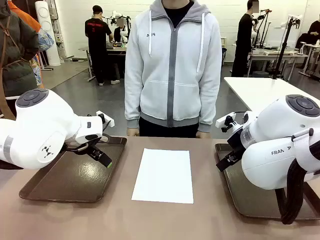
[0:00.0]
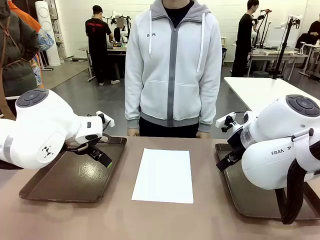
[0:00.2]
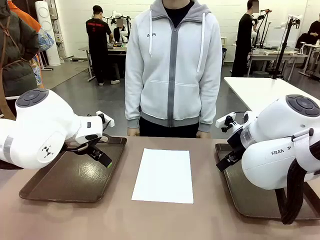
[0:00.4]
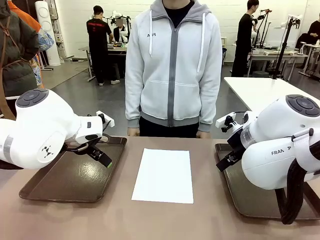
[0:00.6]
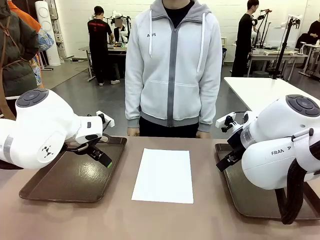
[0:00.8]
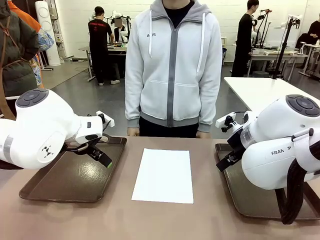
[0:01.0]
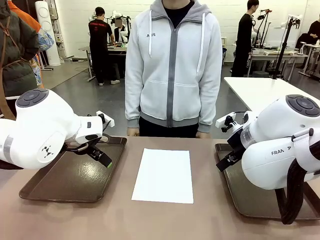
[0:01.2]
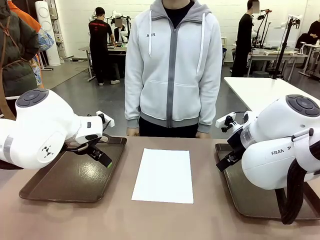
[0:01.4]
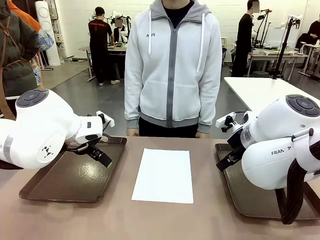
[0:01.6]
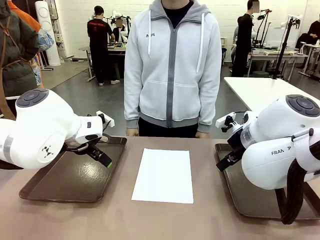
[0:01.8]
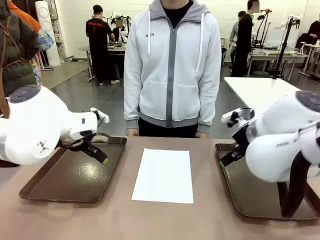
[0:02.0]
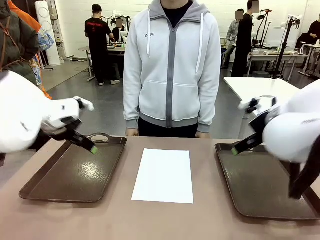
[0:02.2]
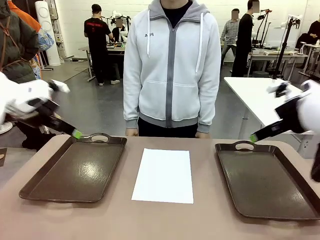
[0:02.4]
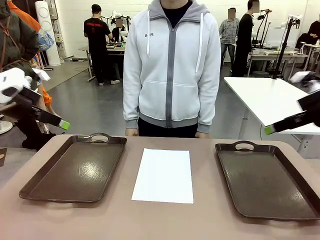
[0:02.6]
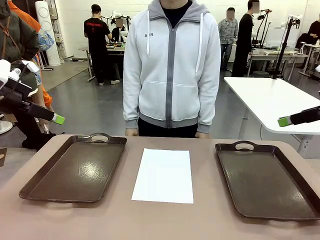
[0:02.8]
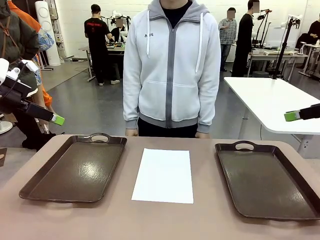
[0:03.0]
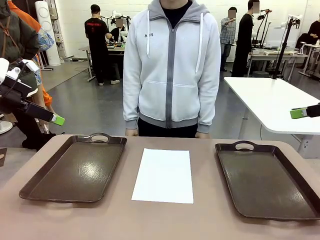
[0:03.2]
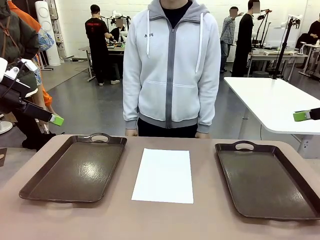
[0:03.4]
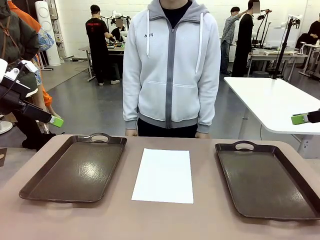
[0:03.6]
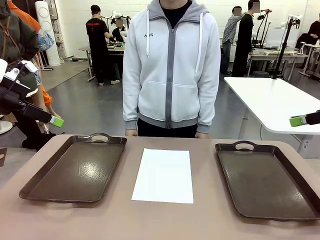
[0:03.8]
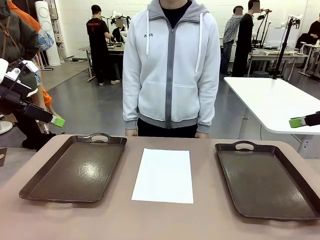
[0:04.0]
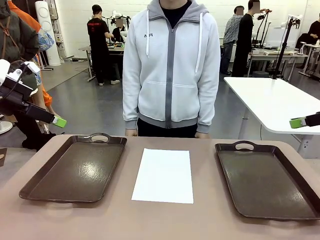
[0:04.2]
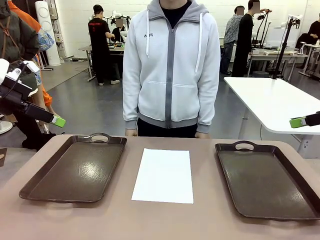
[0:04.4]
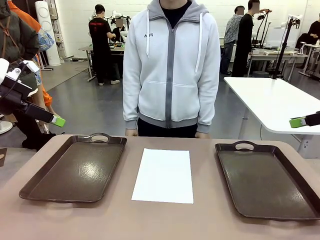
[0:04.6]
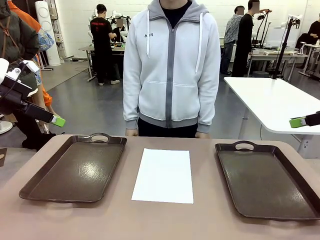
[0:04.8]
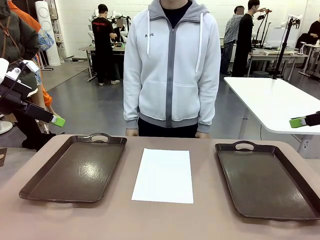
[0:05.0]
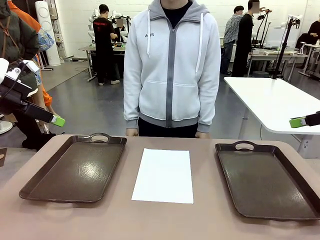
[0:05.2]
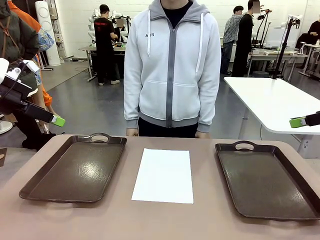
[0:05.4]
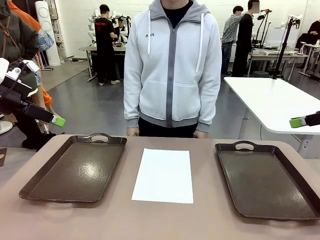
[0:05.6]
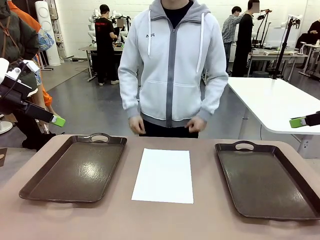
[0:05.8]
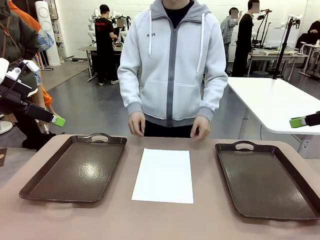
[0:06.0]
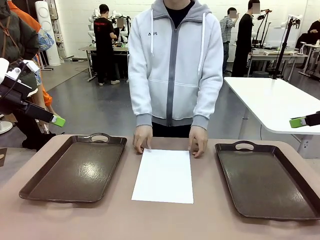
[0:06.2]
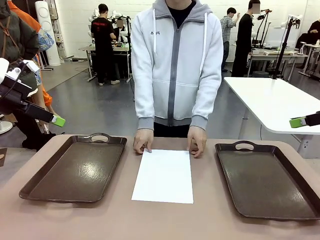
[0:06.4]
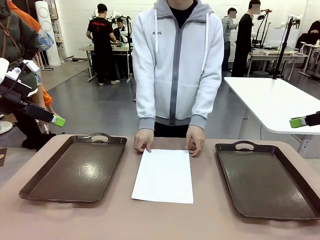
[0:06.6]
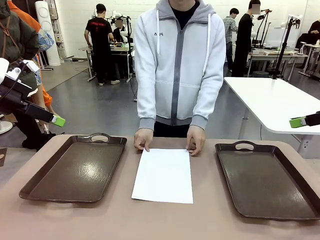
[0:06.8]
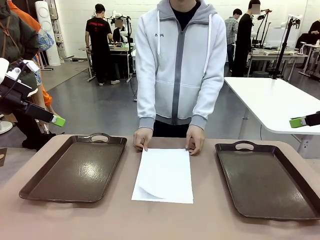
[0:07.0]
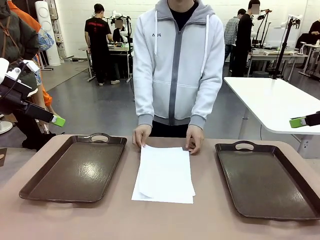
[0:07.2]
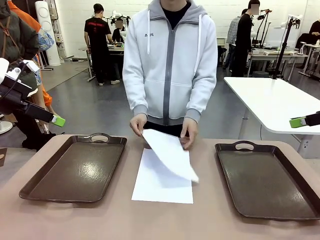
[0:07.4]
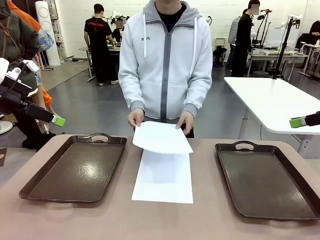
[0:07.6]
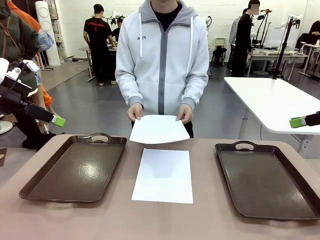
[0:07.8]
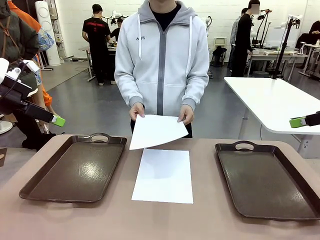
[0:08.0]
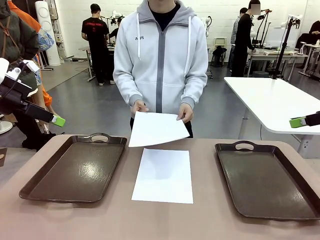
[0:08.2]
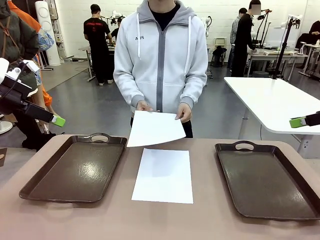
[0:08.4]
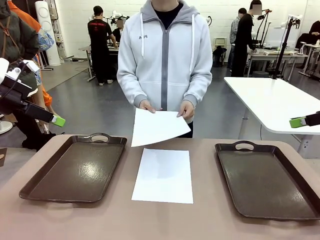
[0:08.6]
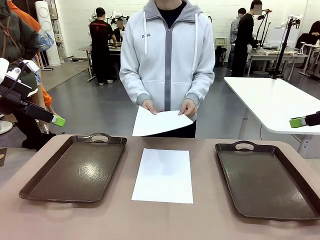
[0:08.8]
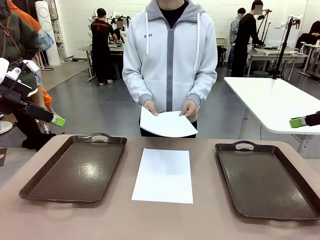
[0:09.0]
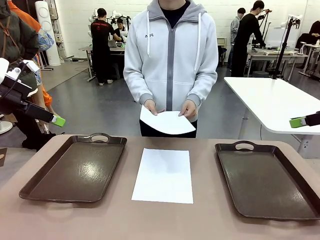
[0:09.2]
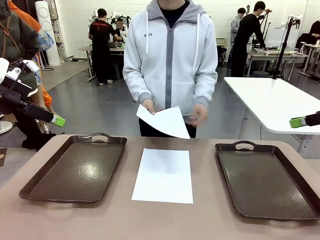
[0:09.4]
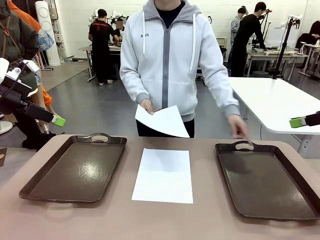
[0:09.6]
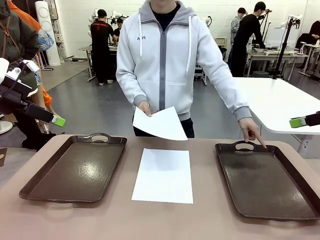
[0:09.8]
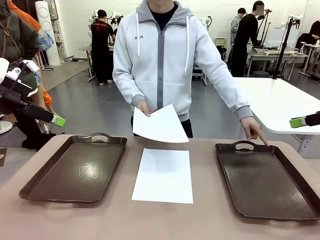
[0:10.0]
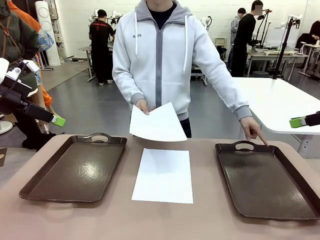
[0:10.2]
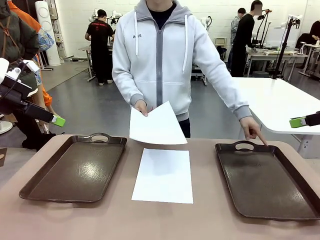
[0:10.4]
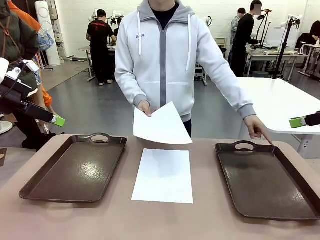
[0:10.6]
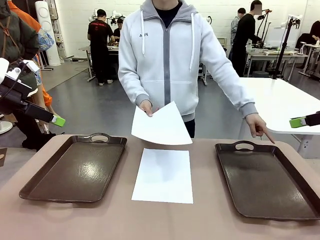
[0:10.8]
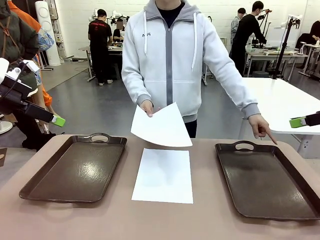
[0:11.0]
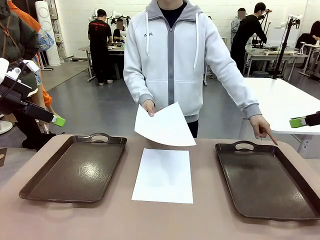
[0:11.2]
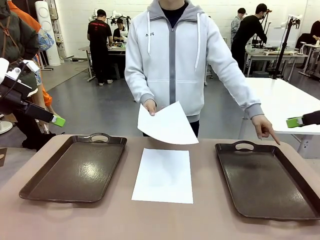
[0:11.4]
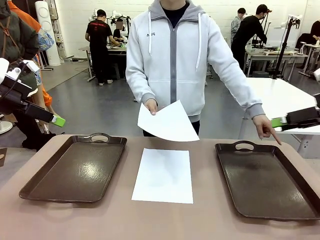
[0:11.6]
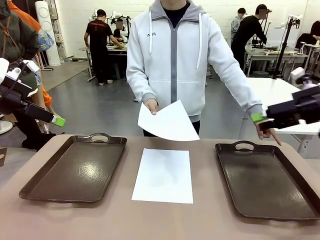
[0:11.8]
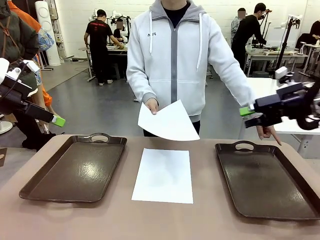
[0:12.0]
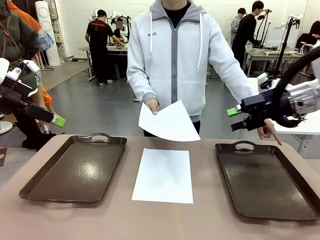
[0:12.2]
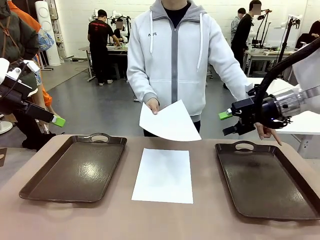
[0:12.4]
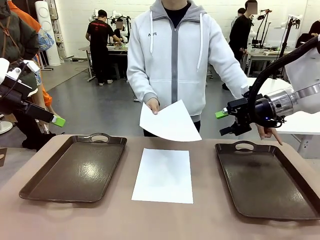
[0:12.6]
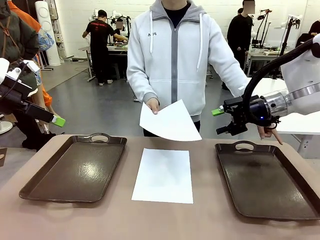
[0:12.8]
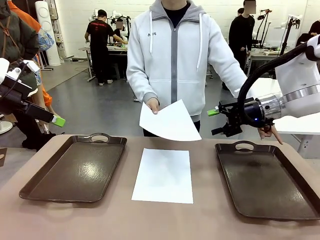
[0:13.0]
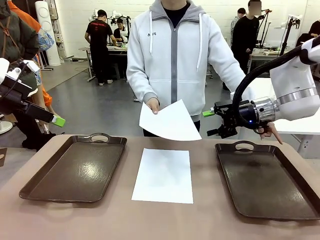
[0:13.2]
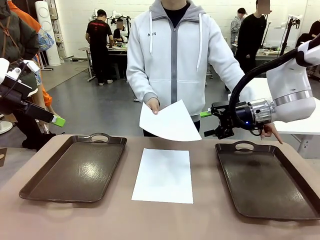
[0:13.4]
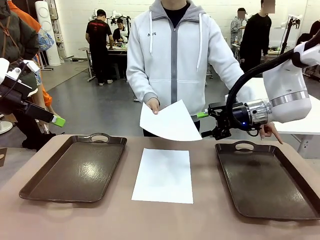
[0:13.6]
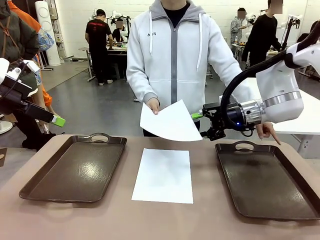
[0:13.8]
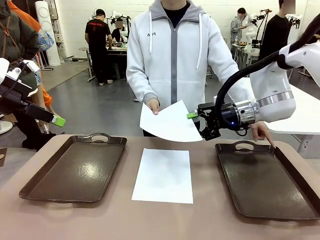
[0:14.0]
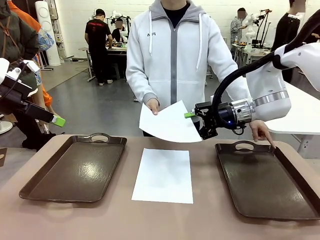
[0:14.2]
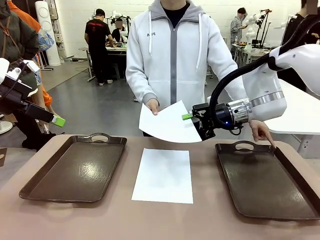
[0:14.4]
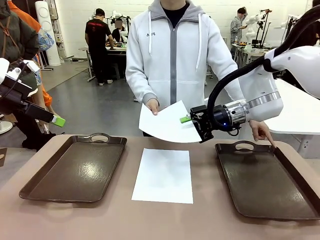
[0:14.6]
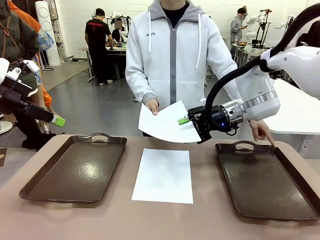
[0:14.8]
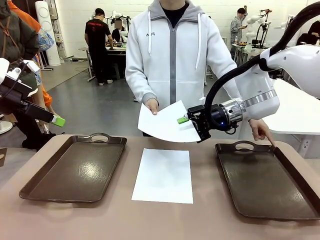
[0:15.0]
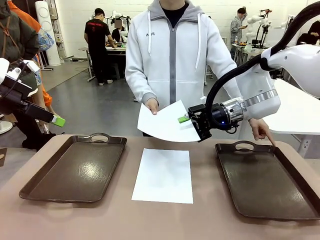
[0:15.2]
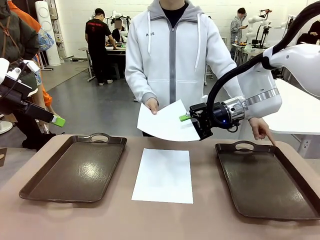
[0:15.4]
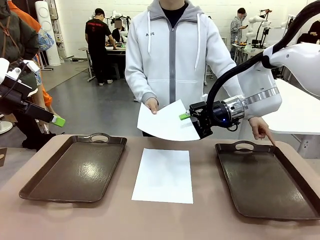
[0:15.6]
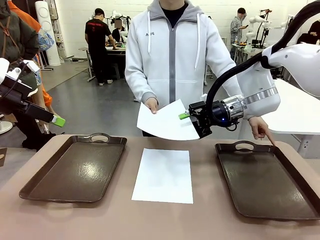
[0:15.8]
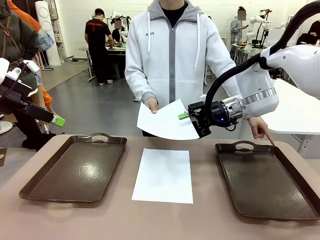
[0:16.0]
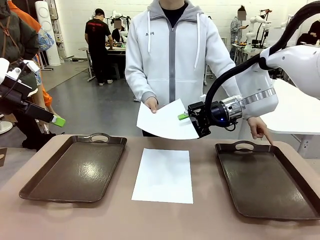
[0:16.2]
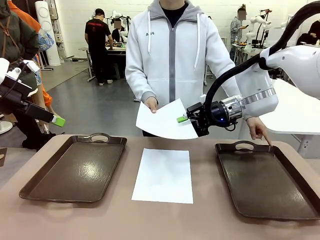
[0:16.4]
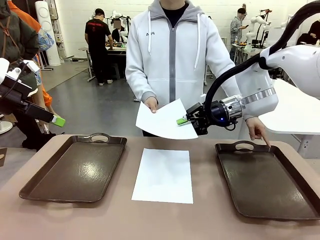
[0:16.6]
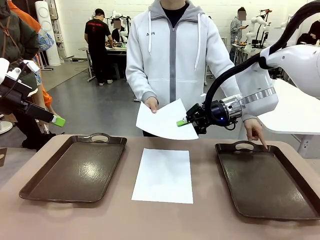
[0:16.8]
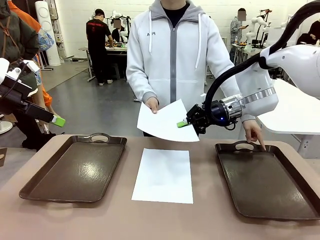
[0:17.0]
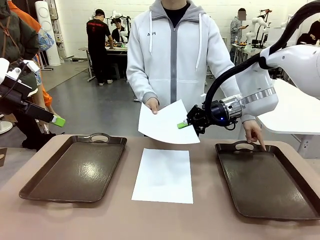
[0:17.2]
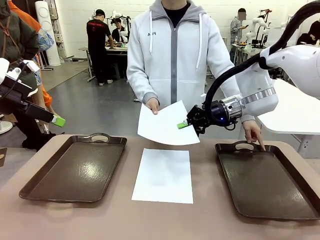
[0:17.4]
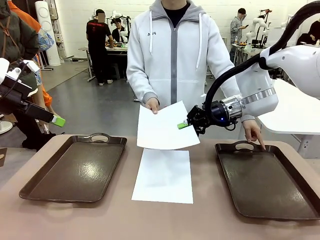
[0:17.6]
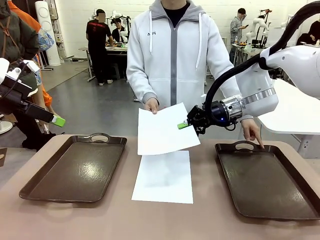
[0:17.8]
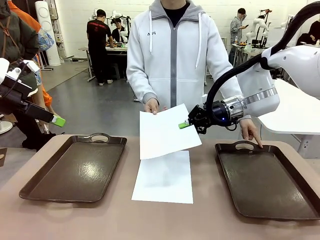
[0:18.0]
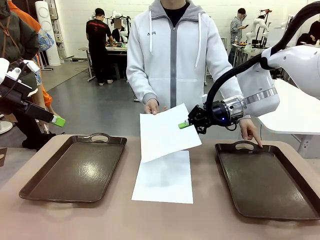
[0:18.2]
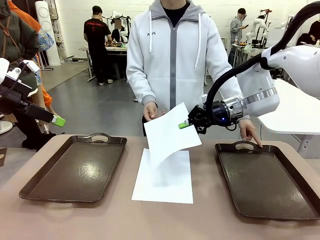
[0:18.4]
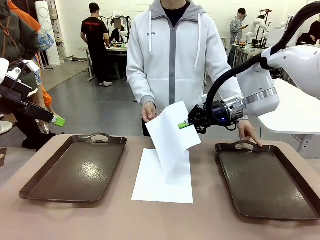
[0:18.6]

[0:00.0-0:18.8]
Task: Sort the A4 documents.
Robot: Receive the A4 Paper.
Person: Pick up a sheet of paper from the center of the table and hand it to the robot. Point the randomly selected tray with the other hand.
